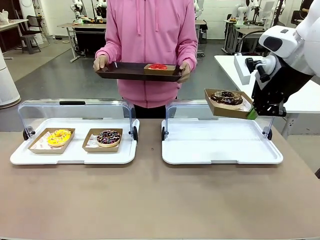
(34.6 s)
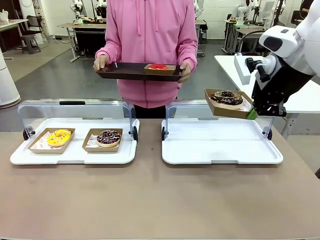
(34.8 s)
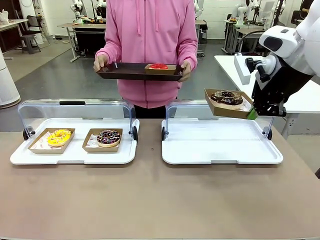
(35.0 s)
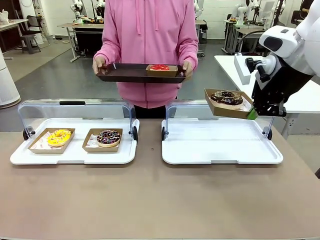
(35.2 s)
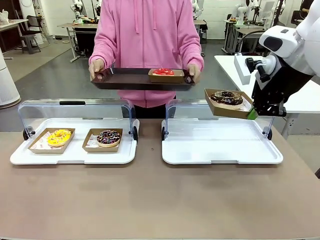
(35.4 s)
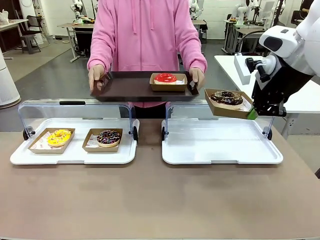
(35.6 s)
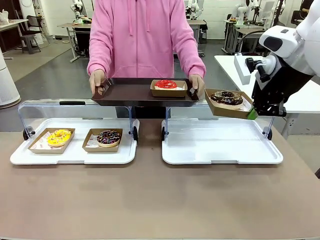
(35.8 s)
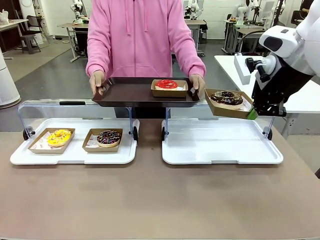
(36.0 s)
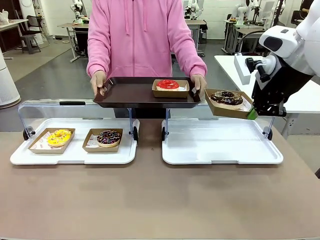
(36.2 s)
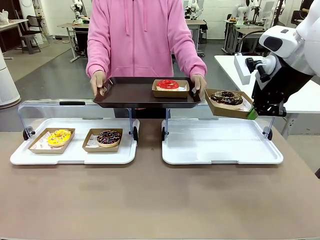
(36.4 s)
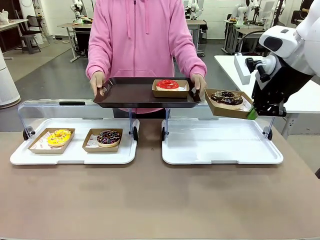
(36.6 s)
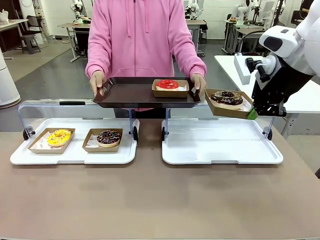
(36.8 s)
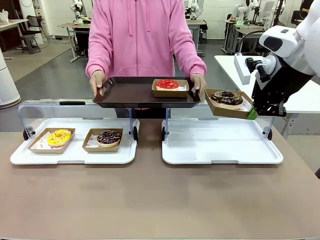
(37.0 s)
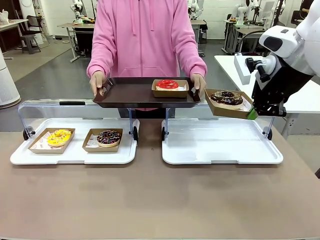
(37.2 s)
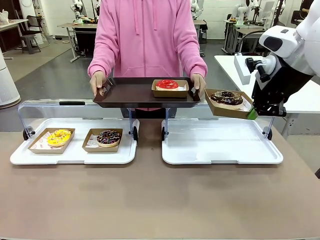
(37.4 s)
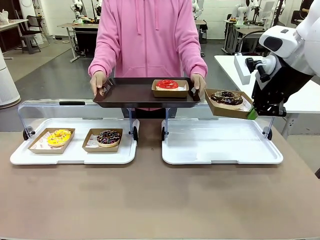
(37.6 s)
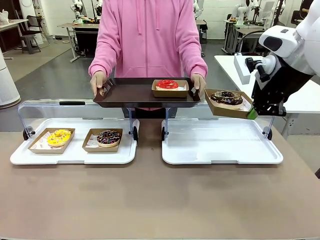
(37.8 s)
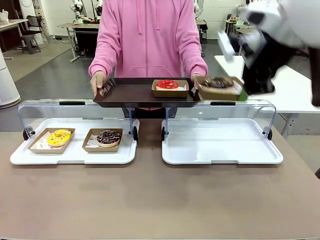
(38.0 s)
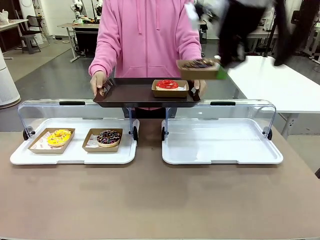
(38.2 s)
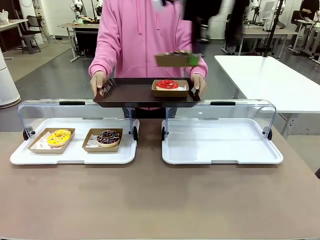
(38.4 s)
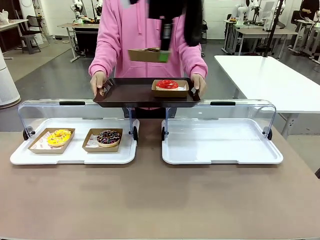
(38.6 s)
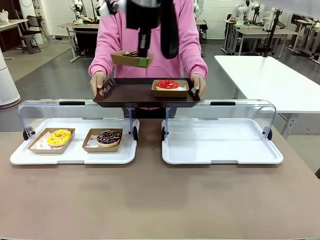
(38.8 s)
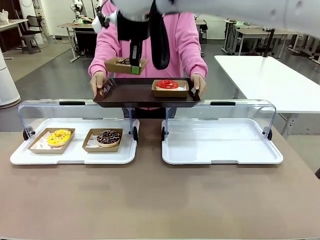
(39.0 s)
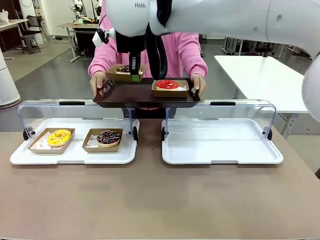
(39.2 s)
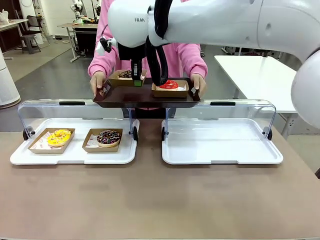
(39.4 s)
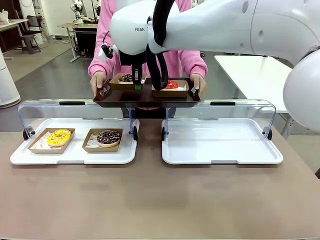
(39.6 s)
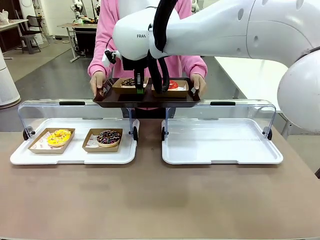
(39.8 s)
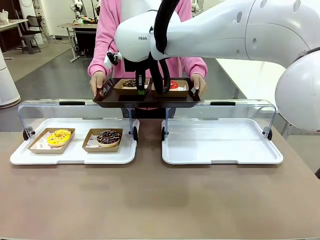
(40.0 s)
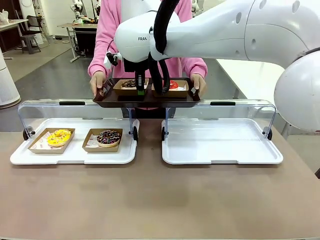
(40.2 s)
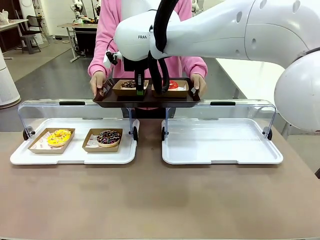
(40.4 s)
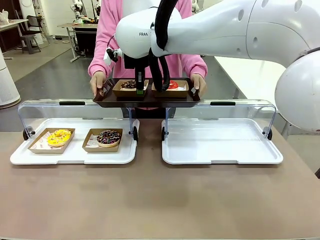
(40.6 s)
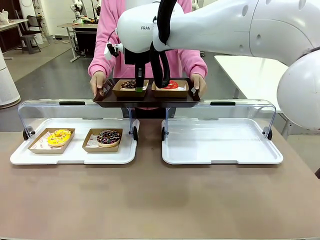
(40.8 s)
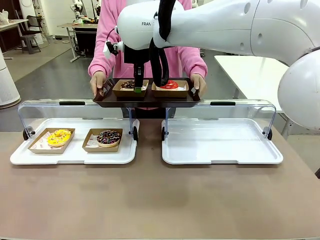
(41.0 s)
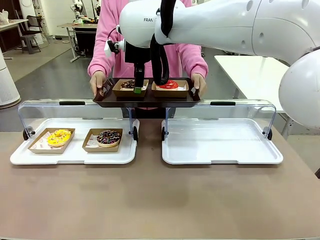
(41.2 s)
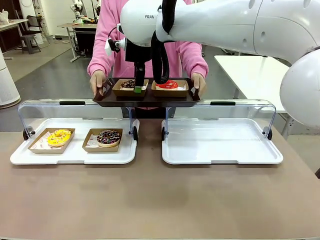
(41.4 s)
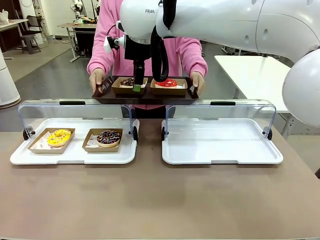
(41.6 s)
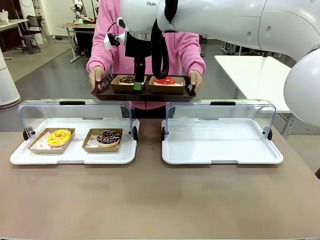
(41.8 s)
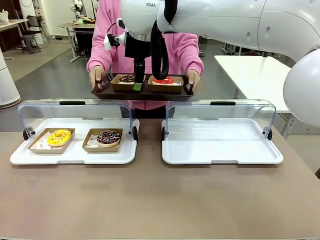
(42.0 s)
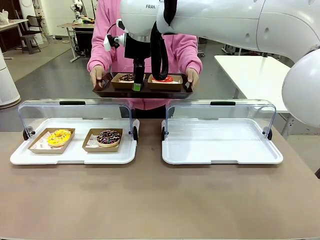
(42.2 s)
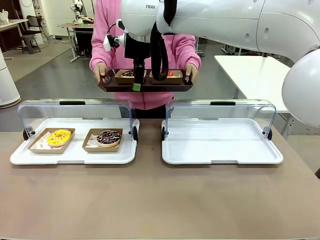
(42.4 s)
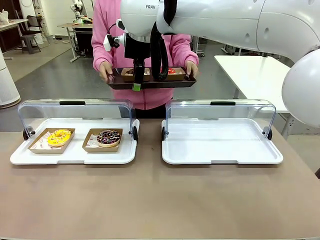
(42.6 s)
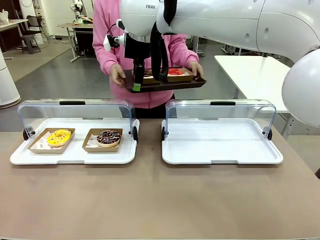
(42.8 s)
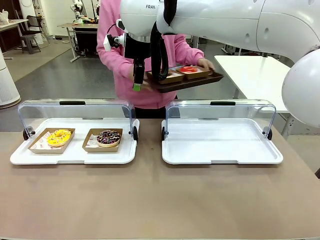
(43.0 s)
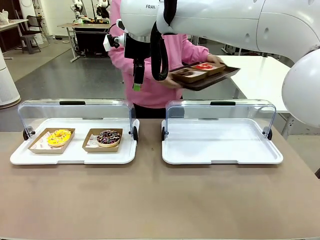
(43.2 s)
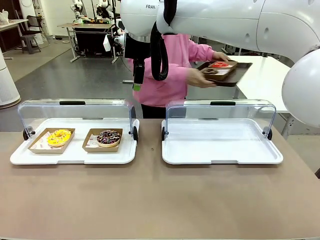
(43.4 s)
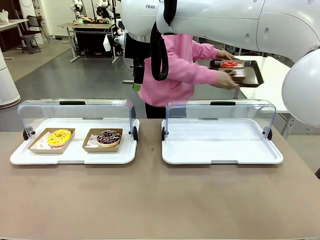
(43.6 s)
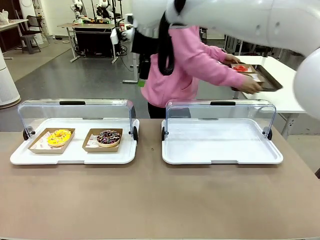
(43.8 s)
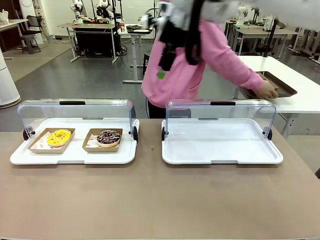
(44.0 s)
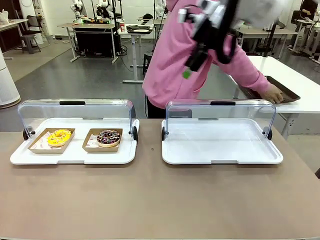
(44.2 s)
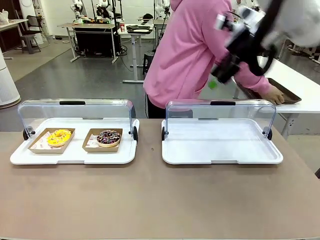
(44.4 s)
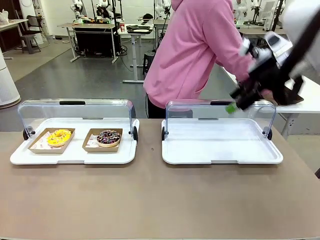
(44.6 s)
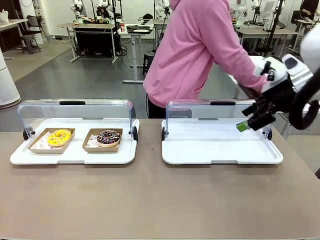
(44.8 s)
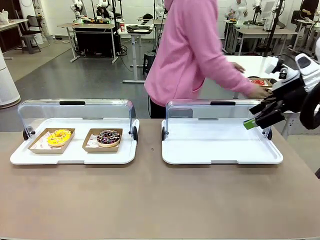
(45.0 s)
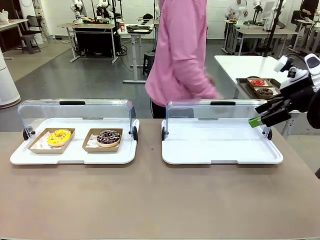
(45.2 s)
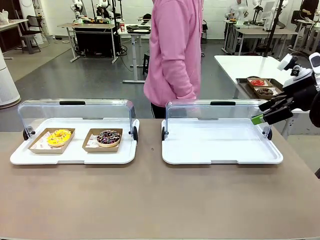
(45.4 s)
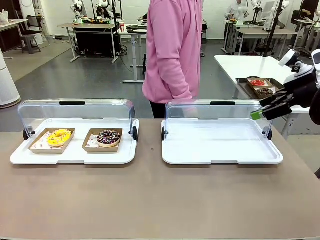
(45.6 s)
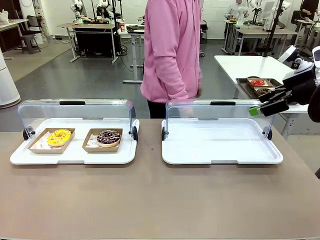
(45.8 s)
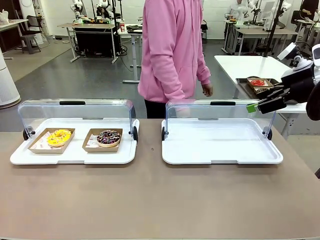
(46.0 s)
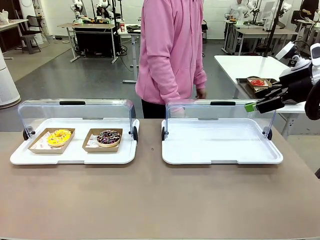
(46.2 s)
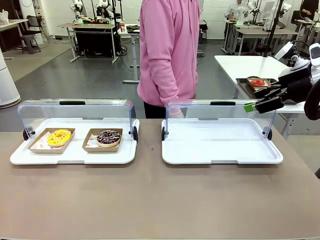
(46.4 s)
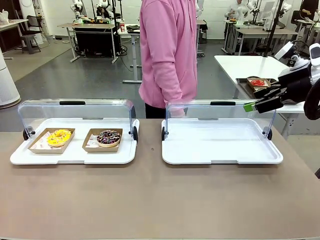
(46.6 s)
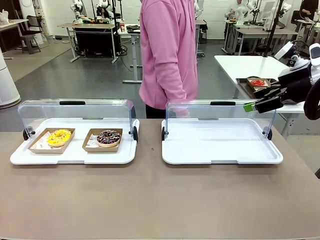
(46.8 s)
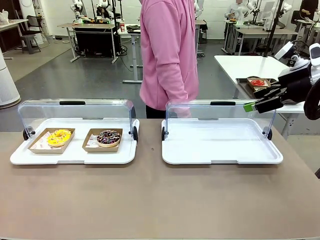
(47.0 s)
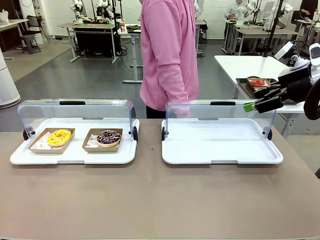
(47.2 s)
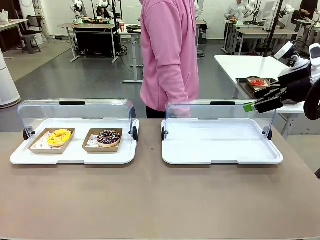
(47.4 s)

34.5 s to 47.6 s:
Task: Provide the desired donut to the person.
Robot: Place the picked Paper togo box onto the Handle tray extended by the person.
Person: Place the tray in the middle of the human table.

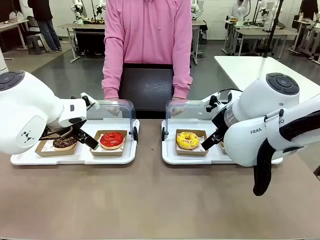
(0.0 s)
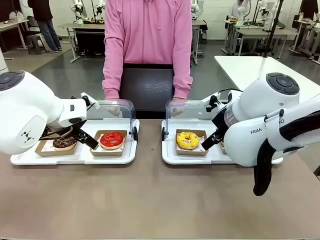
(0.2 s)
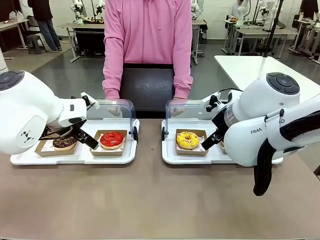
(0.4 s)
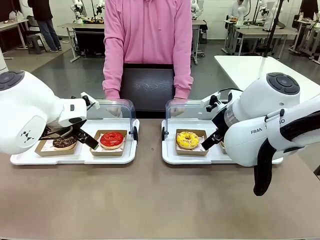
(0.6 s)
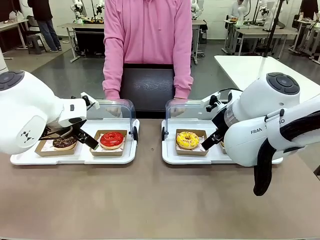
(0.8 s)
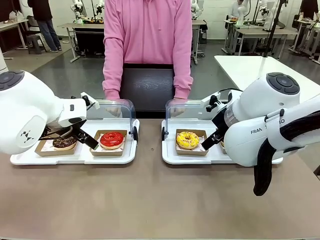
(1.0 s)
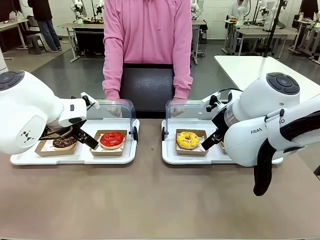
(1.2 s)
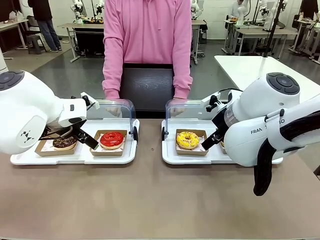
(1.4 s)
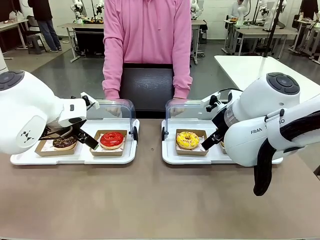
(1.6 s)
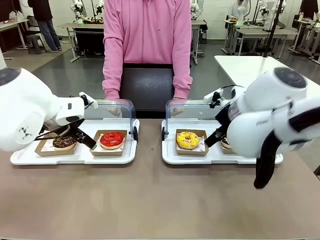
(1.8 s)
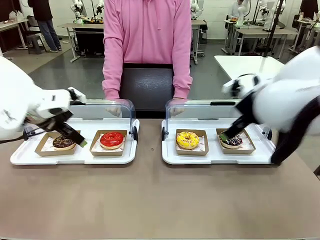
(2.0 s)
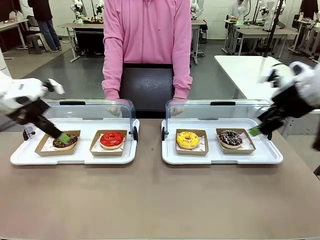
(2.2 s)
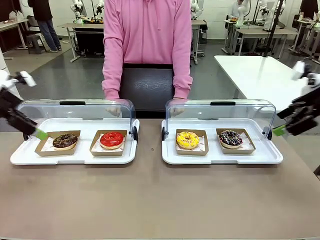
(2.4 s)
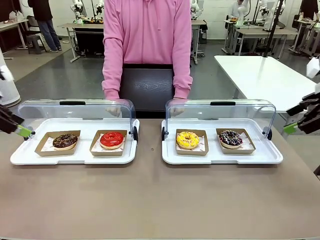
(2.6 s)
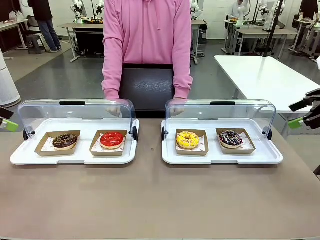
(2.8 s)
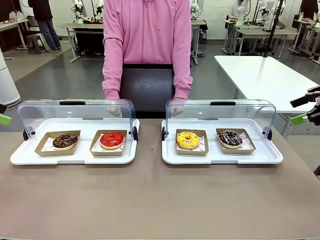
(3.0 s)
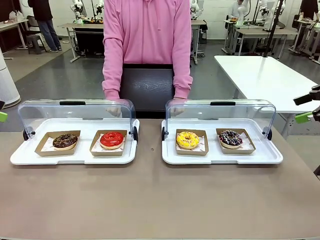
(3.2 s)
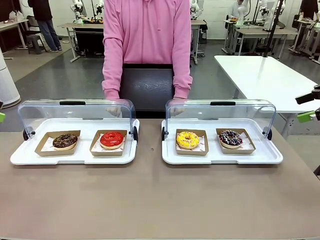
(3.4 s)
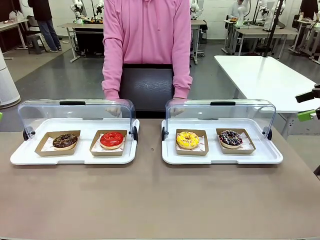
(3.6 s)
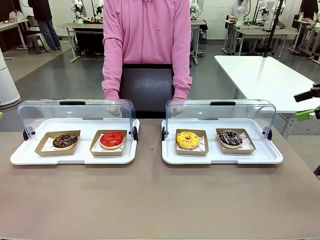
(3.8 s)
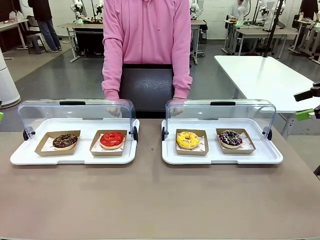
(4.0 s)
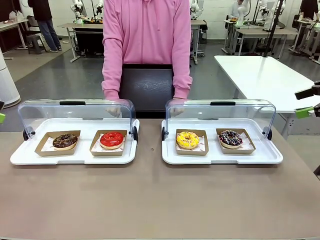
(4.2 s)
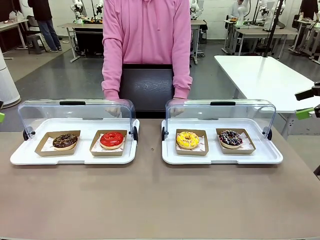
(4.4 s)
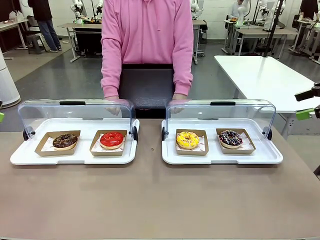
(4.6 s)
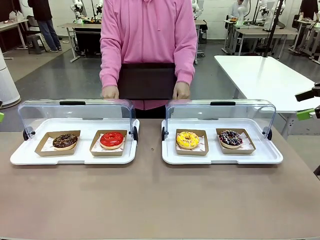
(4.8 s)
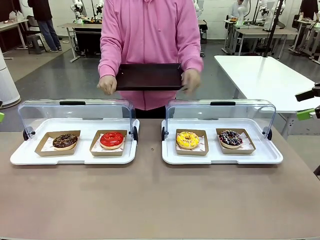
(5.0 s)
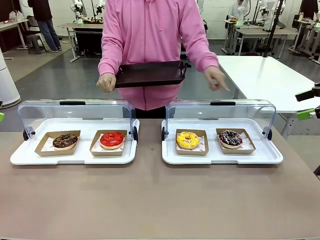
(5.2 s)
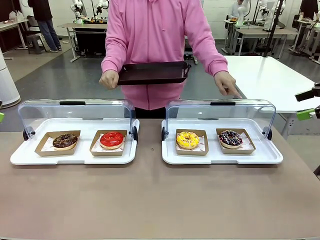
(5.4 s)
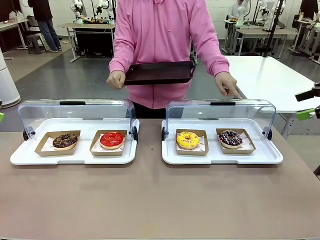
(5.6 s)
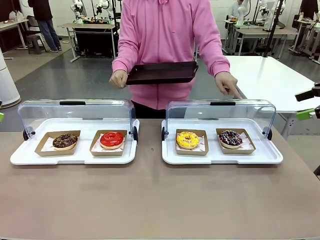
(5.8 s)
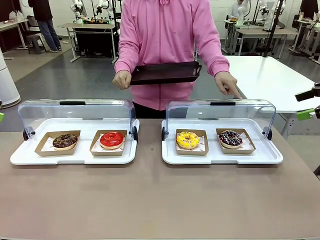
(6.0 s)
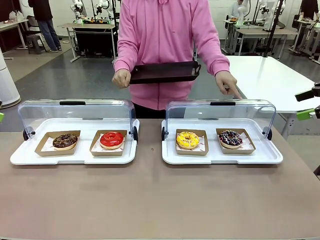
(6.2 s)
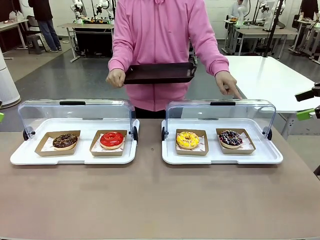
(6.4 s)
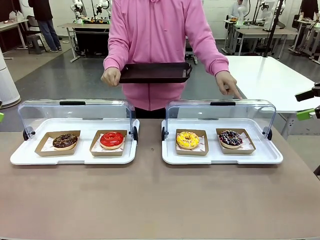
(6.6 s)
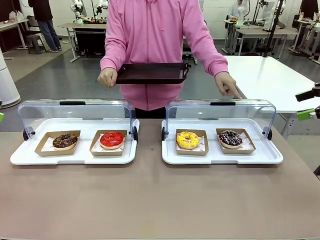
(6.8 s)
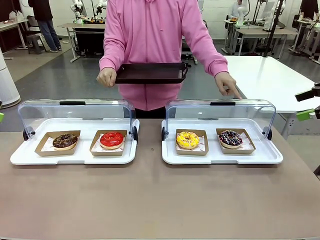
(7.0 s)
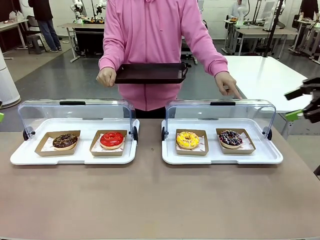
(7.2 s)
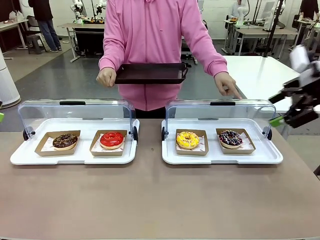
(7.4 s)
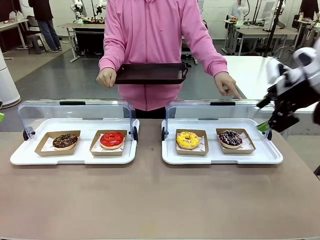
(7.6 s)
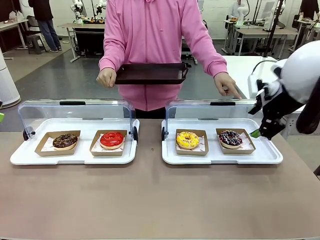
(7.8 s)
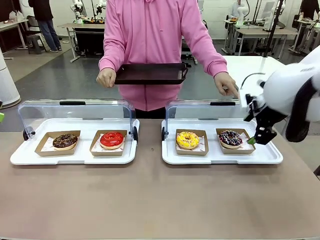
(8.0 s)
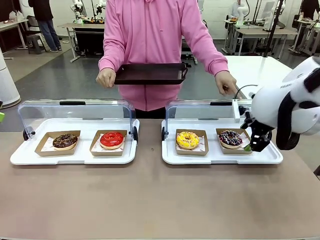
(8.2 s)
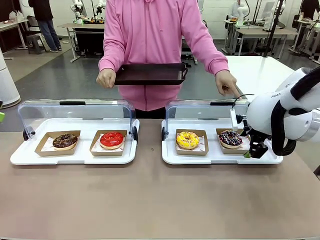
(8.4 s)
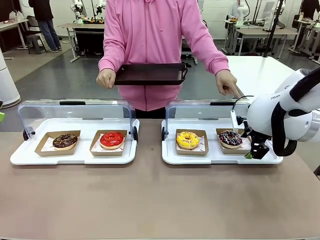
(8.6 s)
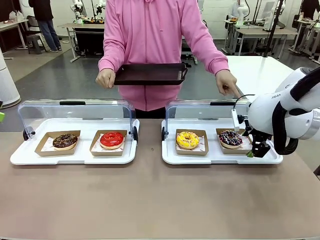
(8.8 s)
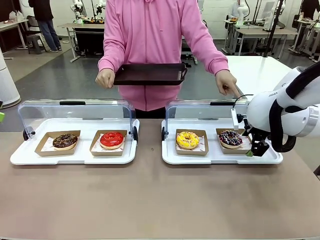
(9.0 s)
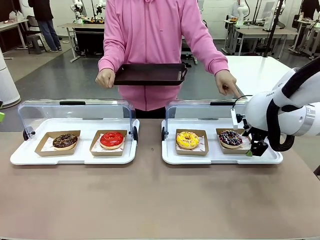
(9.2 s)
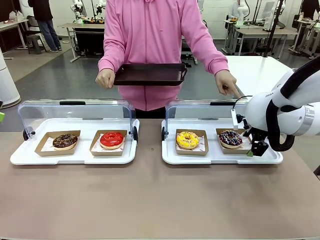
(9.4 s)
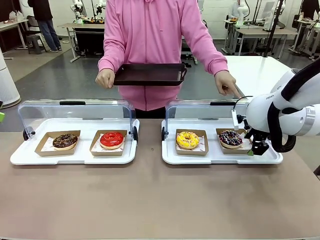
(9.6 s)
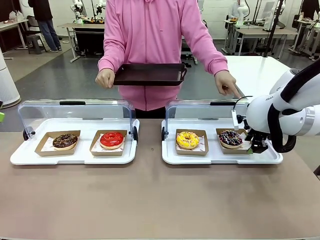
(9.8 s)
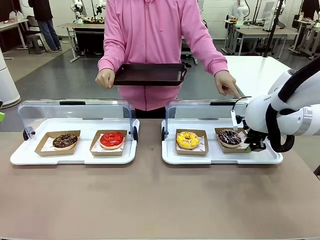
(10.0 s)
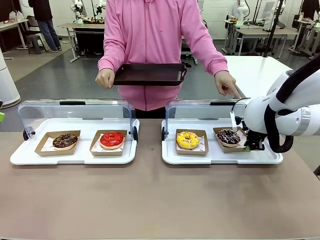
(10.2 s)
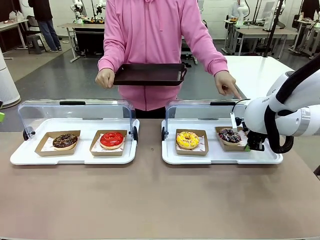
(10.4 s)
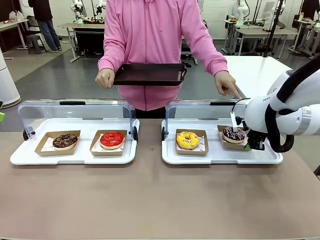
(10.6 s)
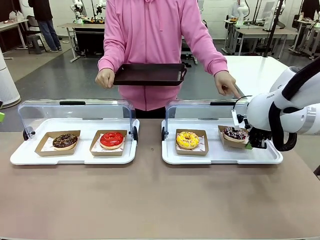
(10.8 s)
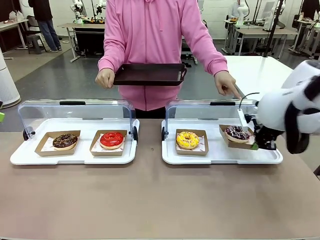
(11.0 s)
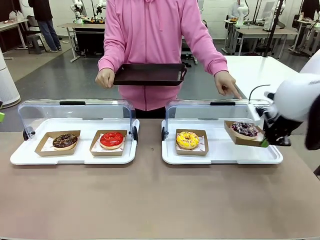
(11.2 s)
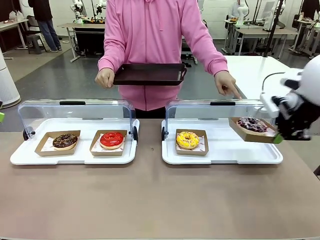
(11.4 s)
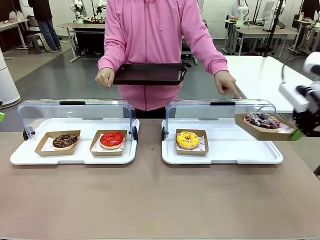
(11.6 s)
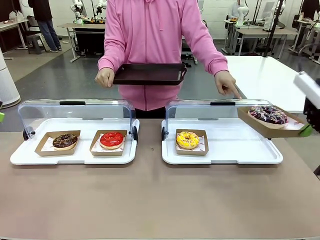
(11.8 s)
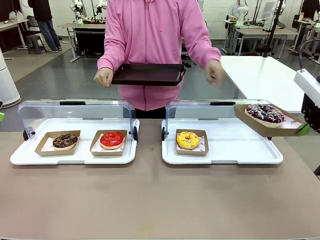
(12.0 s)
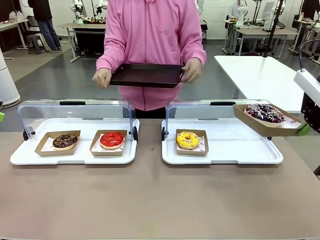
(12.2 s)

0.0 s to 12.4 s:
Task: Provide the desired donut to the person.
Robot: Pick up and lift the Paper togo box containing the Donut pointed at by the person.
Person: Point to one donut. Lift the tray onto the Roll-Top Bakery Case.
